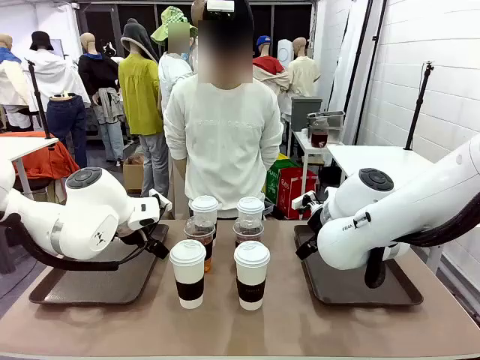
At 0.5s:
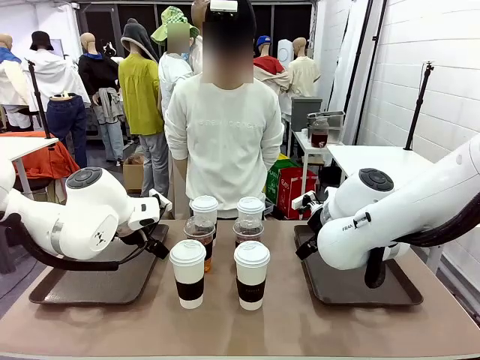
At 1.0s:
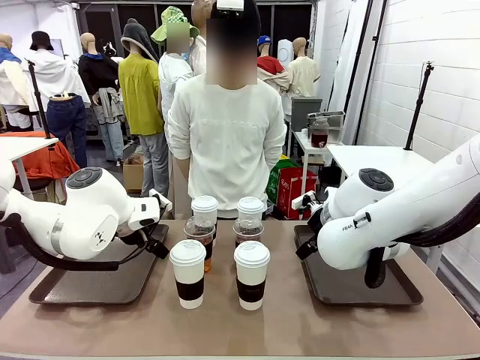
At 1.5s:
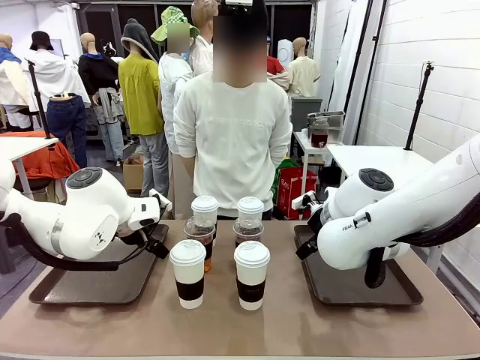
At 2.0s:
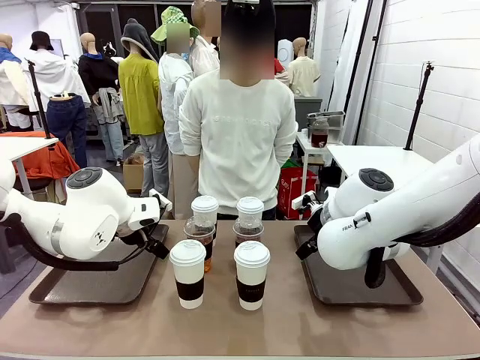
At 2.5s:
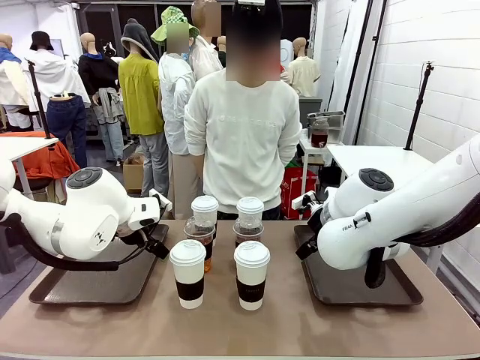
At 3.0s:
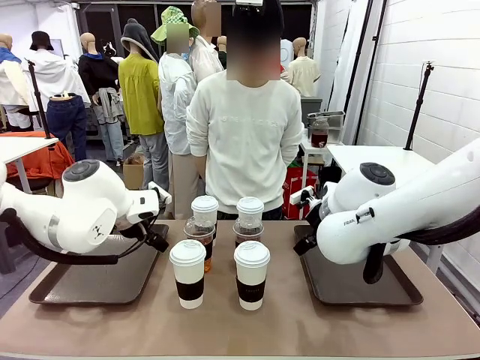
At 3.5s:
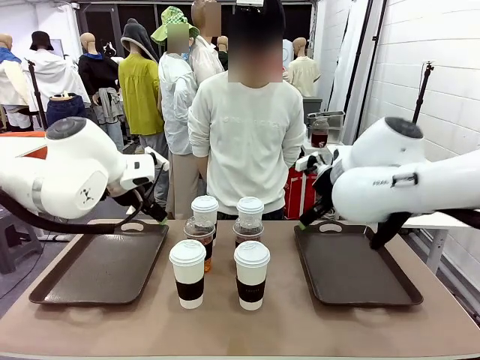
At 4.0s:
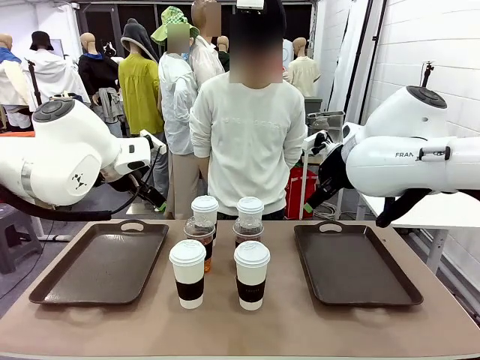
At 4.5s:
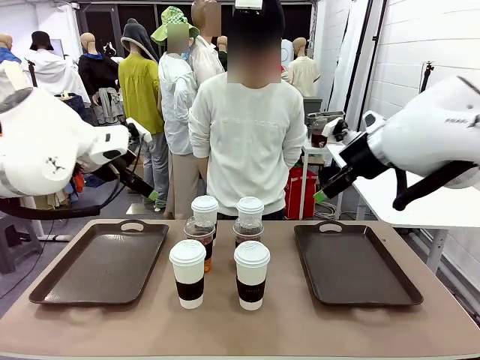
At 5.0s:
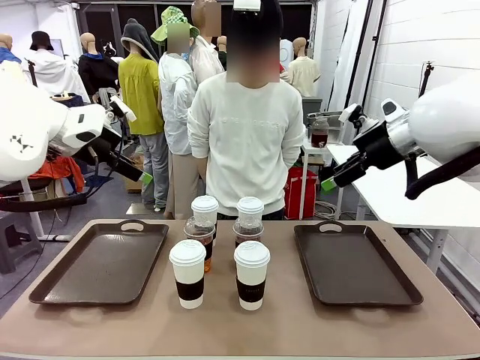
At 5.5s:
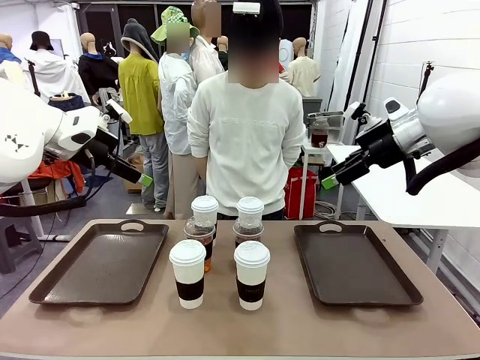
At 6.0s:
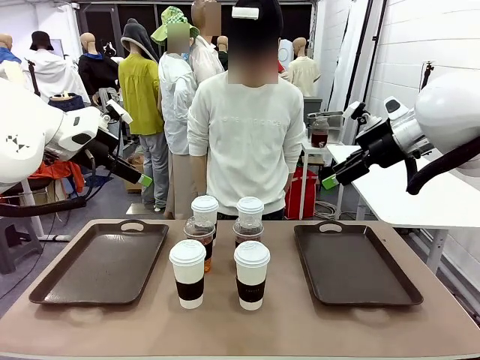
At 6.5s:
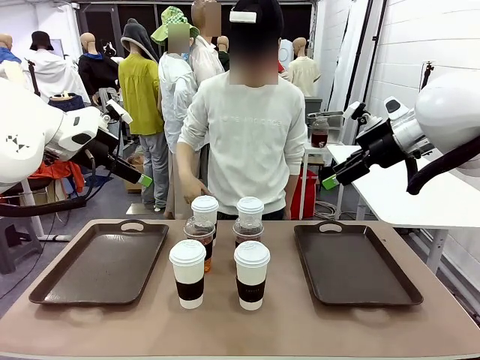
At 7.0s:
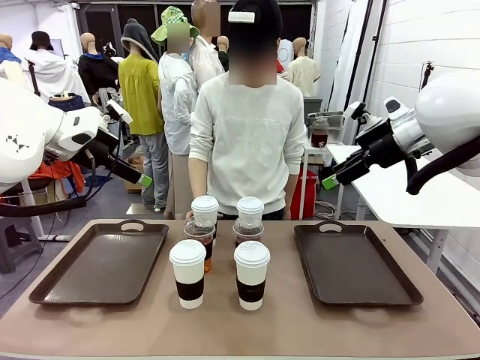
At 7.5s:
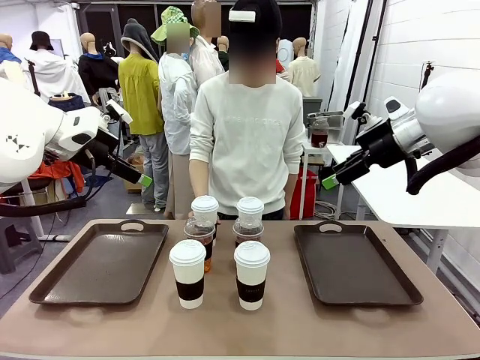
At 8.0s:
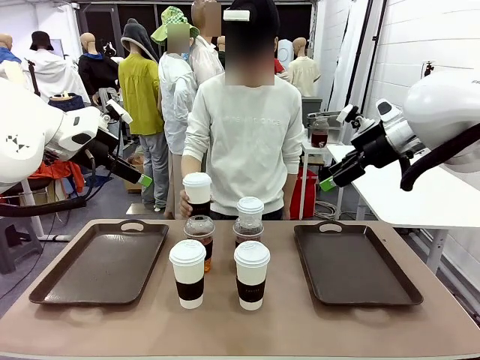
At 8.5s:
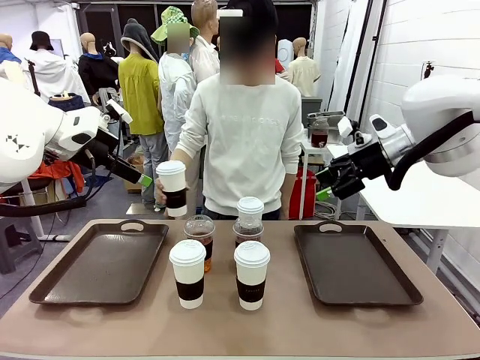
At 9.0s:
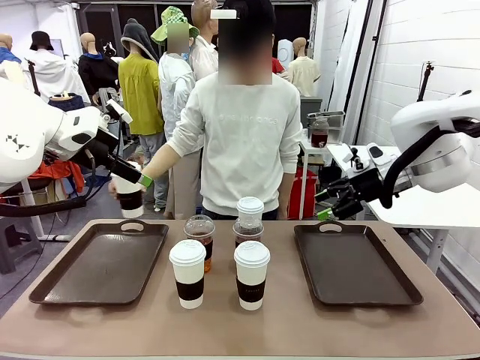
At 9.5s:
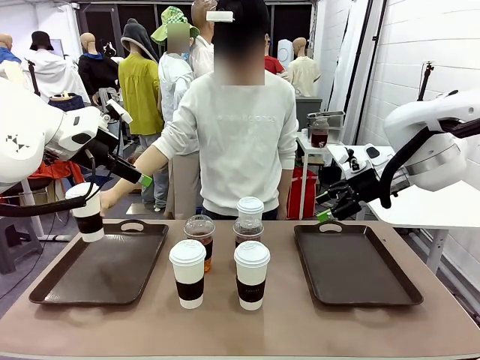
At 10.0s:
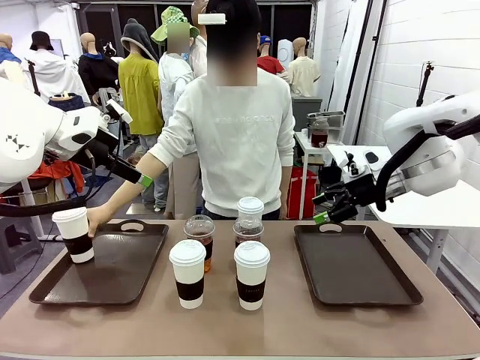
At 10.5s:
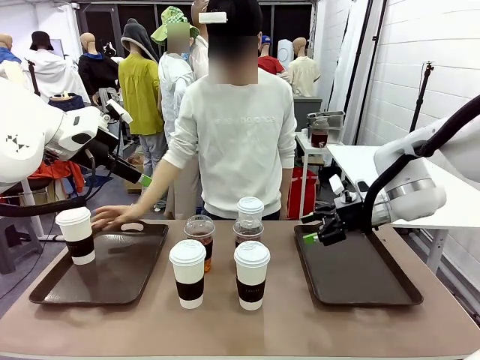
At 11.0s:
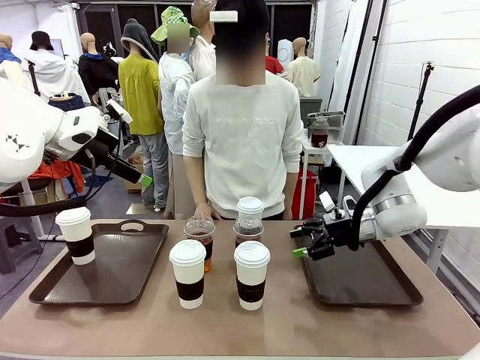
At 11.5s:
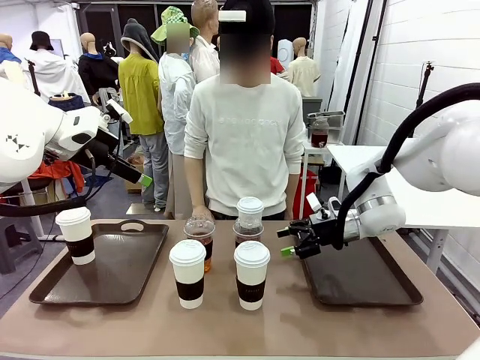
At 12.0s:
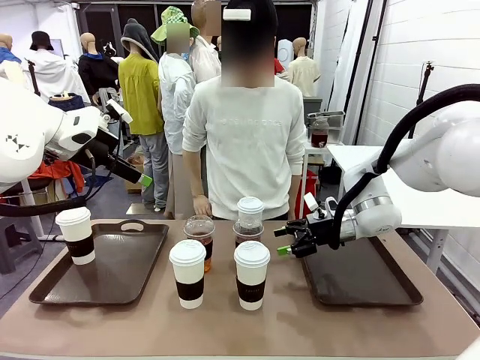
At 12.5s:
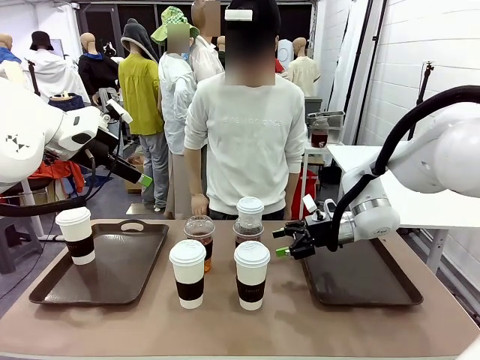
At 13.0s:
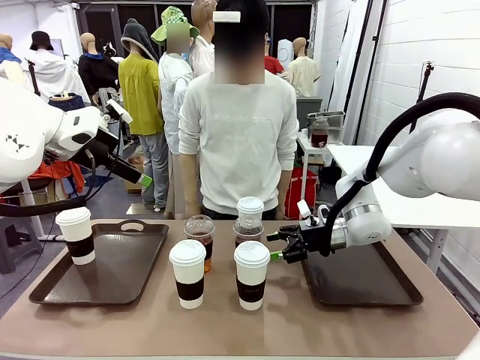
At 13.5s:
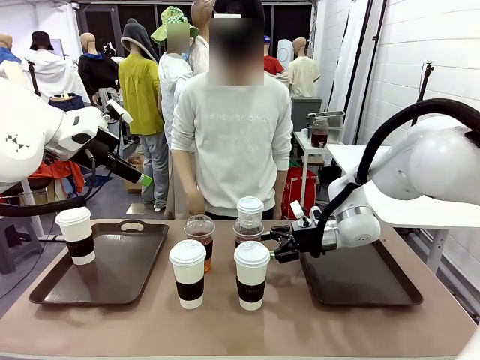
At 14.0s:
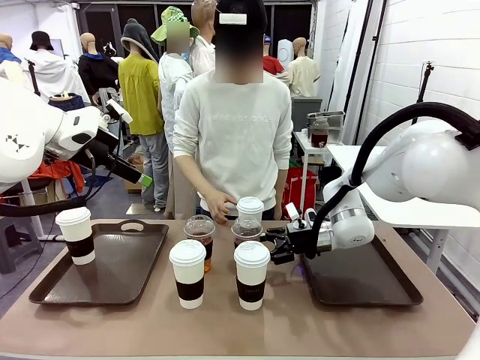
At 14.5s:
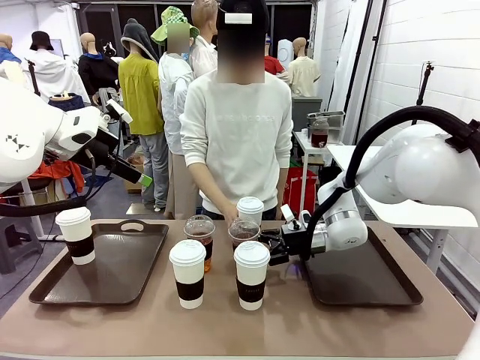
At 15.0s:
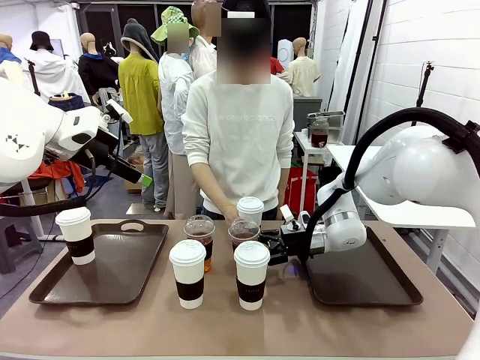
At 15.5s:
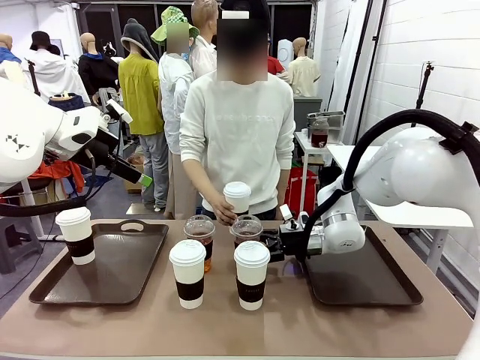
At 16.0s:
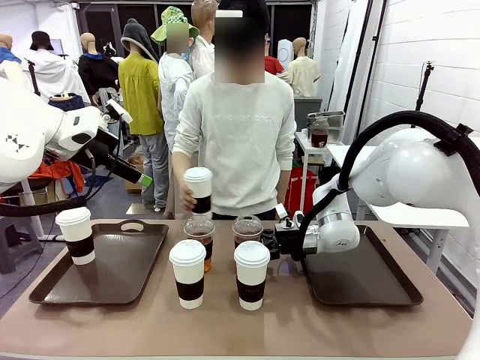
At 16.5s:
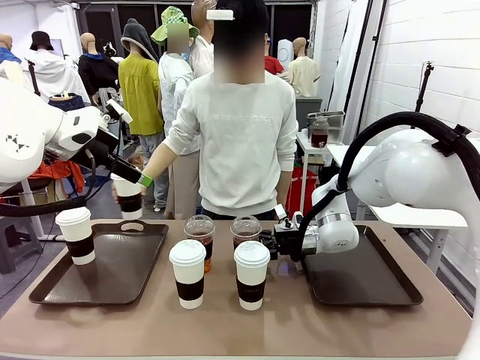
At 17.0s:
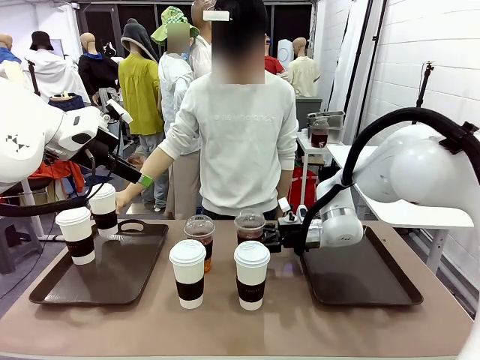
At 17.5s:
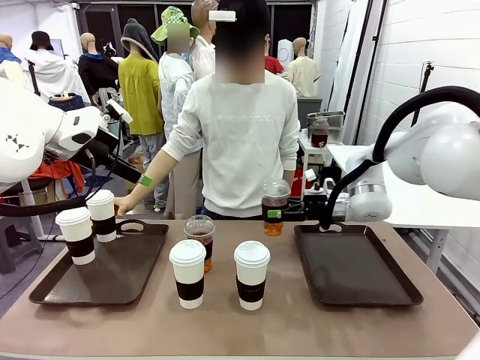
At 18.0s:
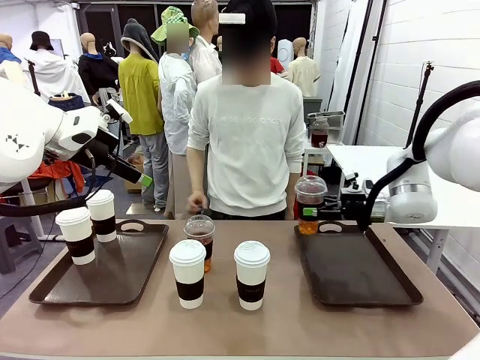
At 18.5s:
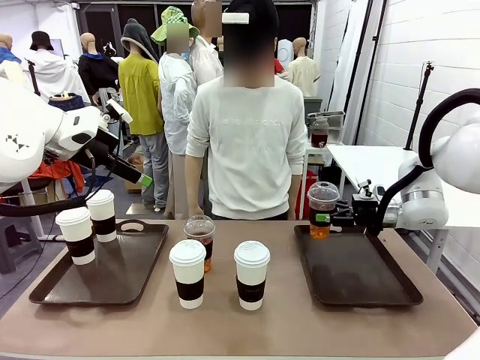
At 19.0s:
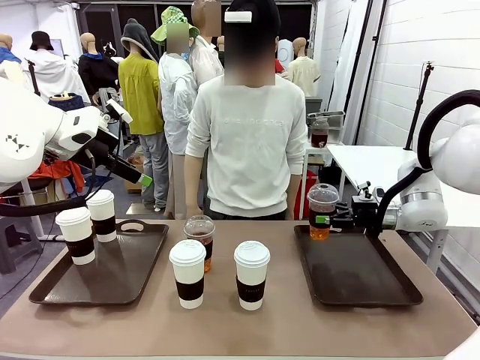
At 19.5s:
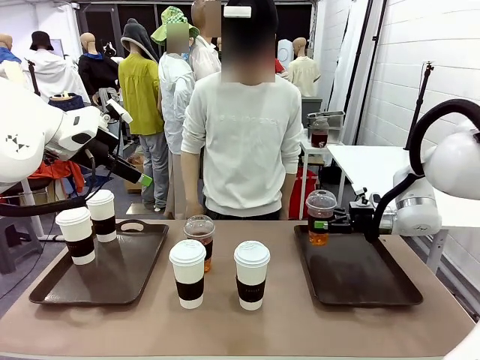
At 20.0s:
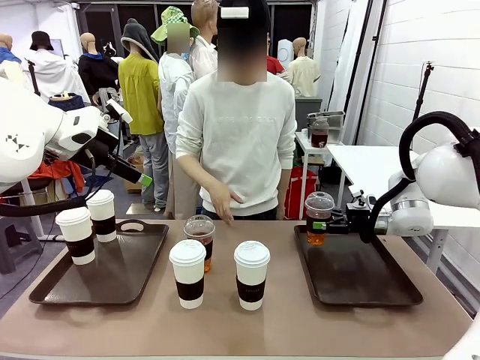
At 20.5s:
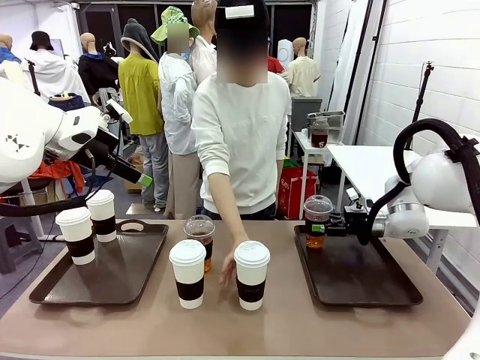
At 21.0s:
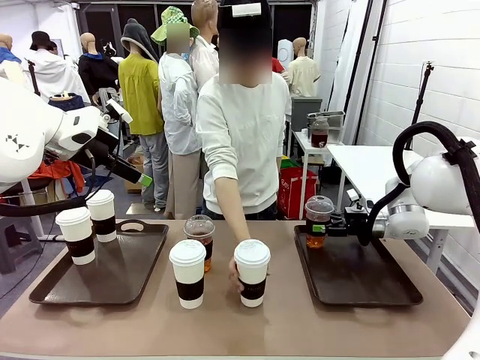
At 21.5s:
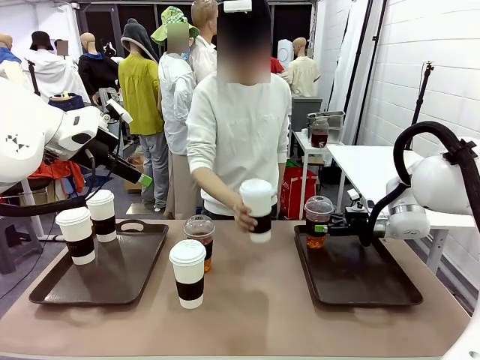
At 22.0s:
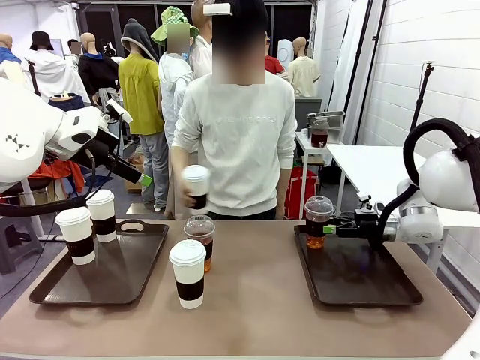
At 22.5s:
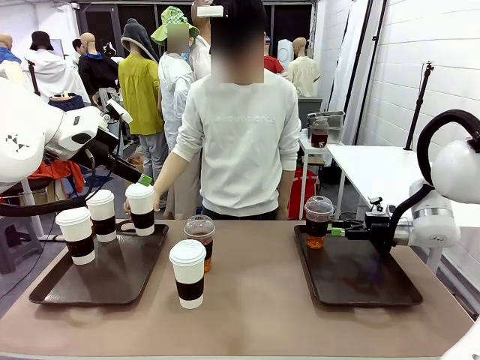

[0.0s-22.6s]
Task: Distribute the coffee onto the tray.
Robot: Pick up one iced Americano and place it on the right Handle tray.
Person: Pick up a cup of hot Americano and place it on the right tray.
